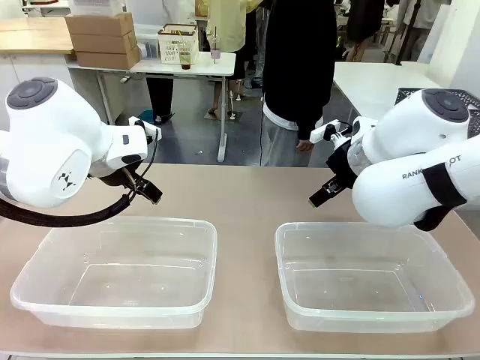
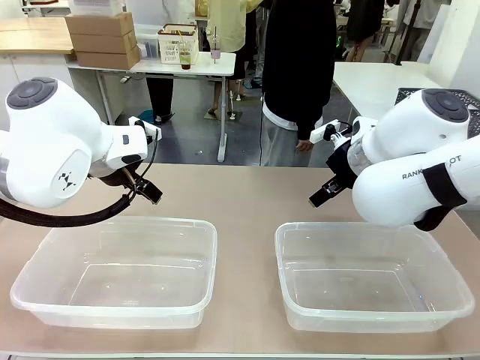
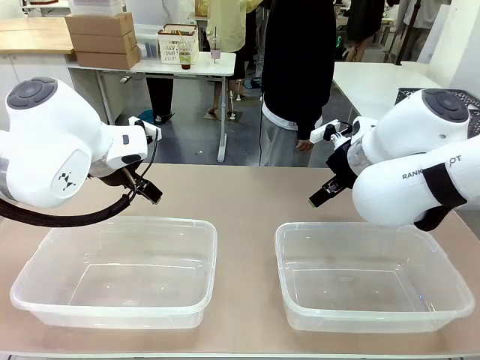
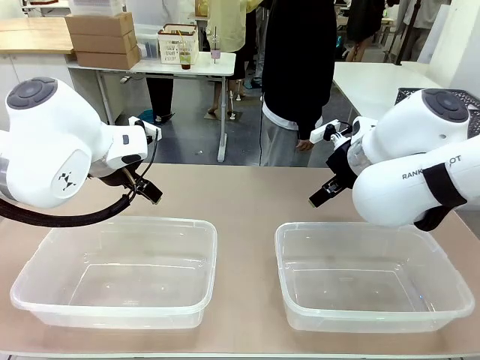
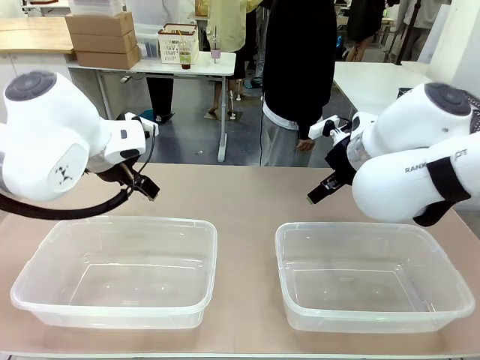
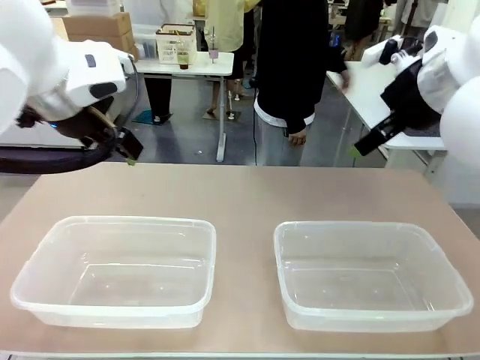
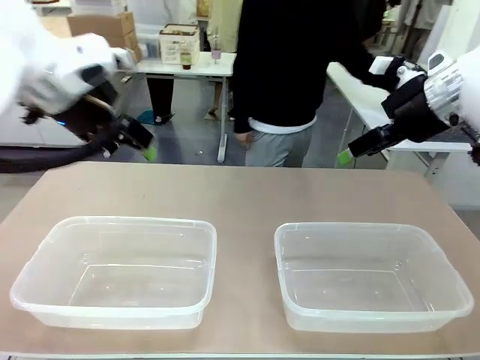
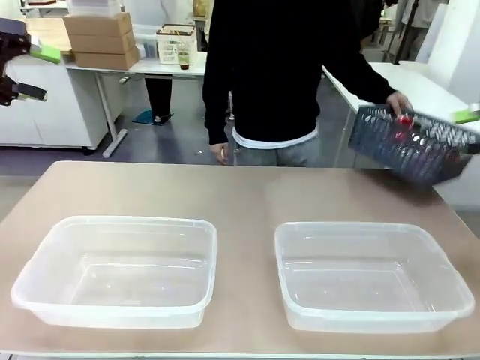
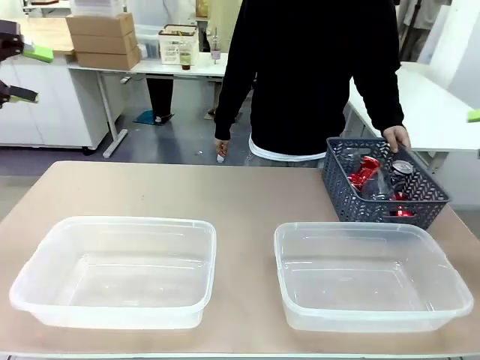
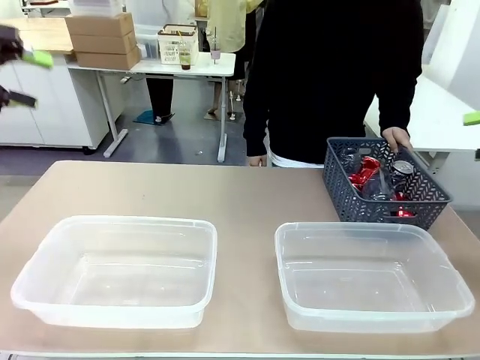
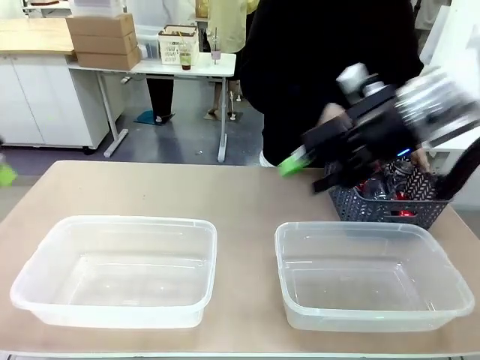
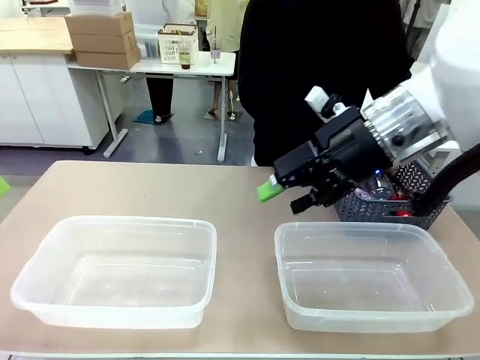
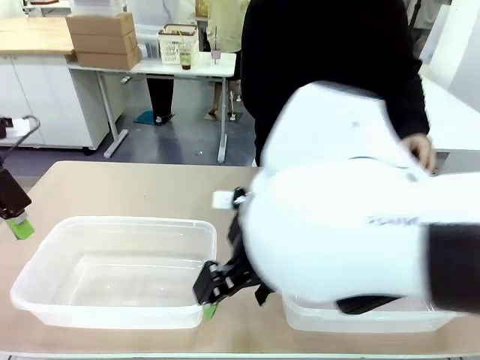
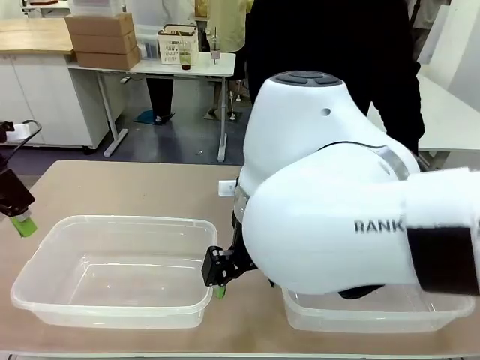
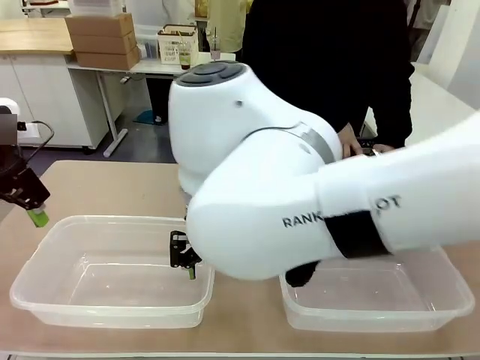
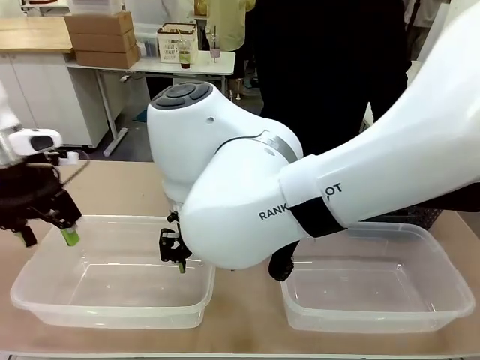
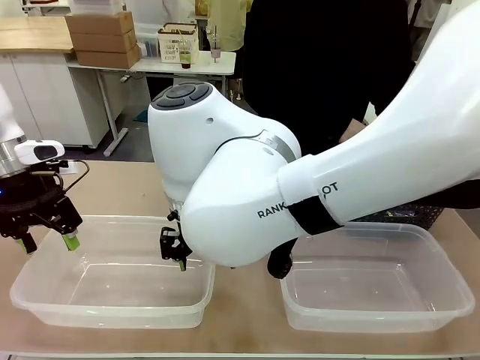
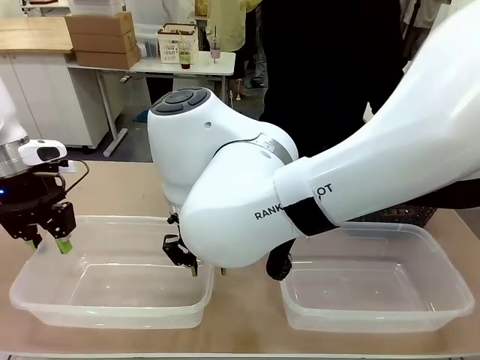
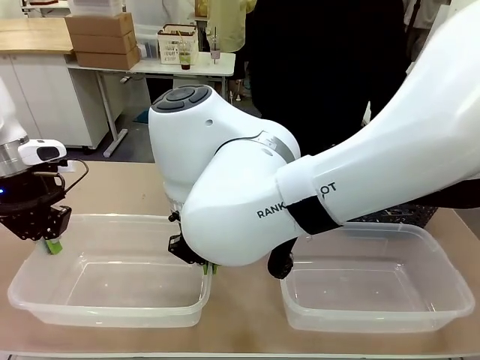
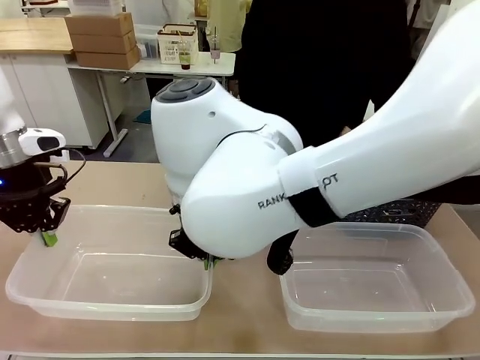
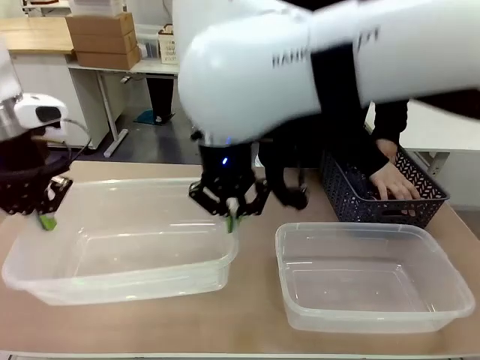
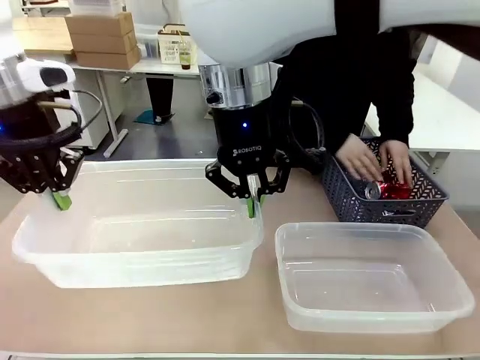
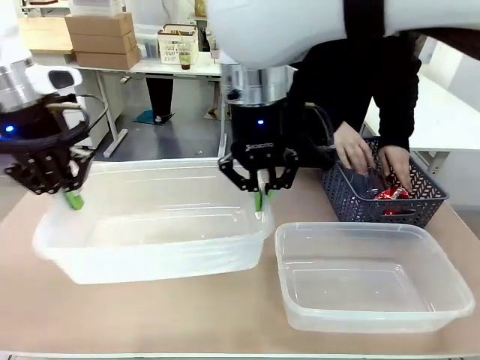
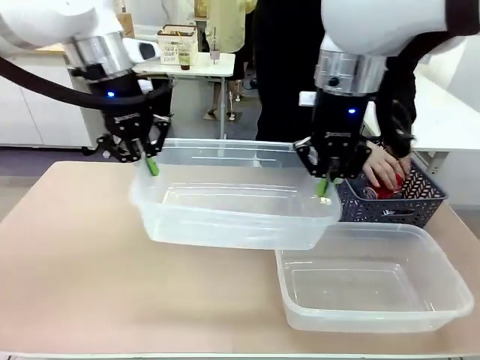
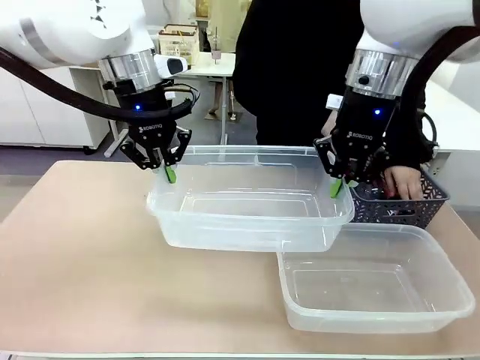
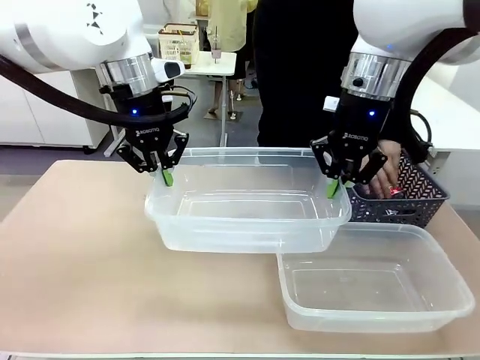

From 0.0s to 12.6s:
Robot: Pick up the Organizing box on the left side of the table and lift it.
Person: Pick up the storage basket and place it on the left side of the robot table. Pick up can-shaped waste one by one and place it into the organizing box lifted by the robot.

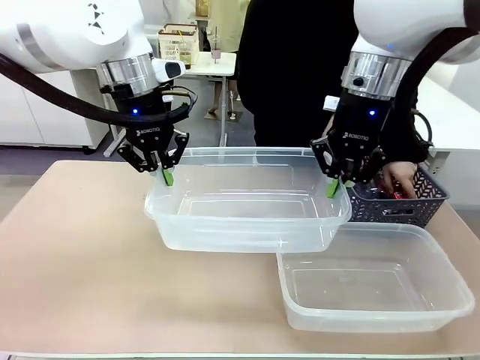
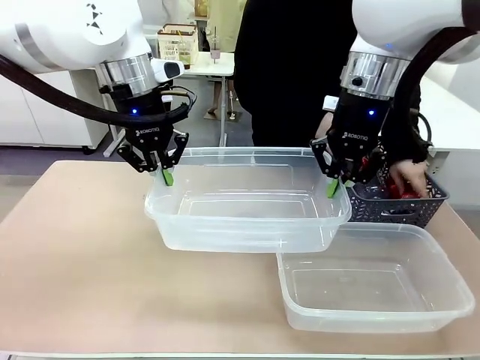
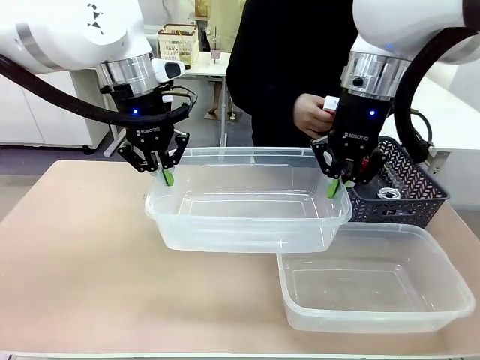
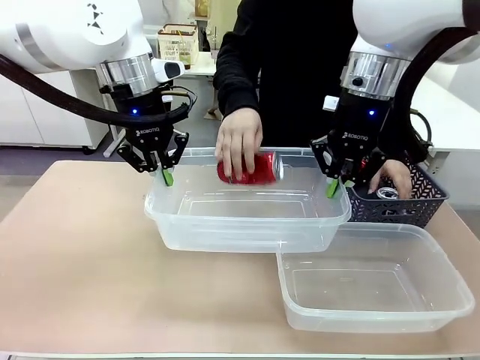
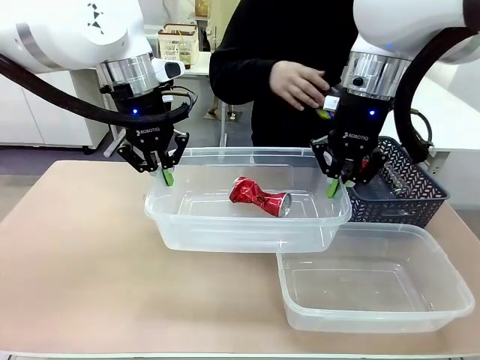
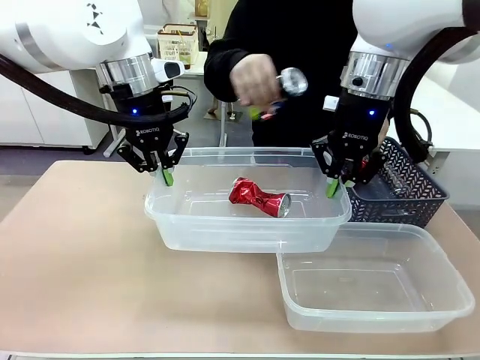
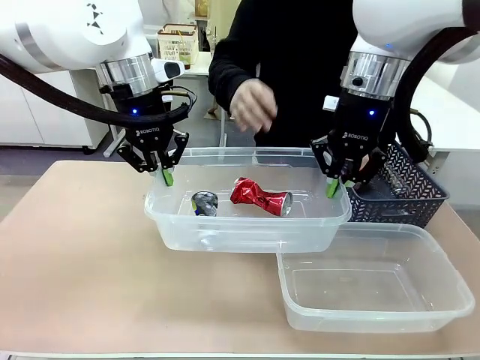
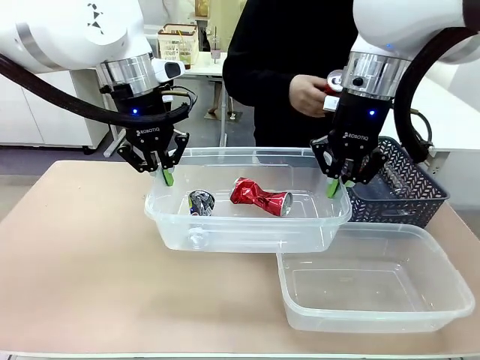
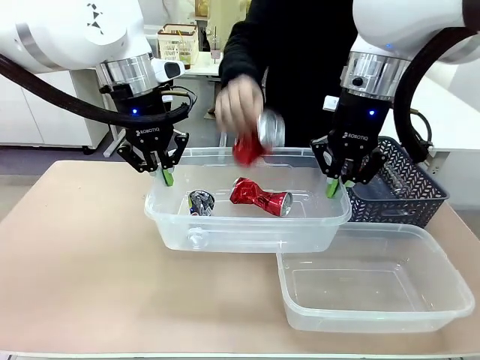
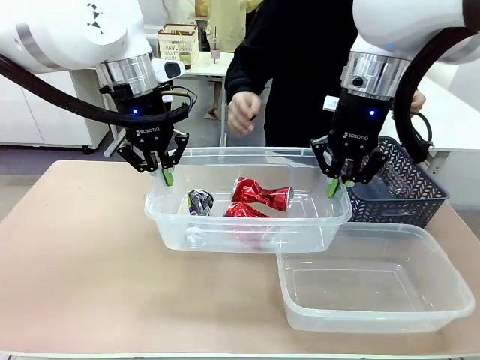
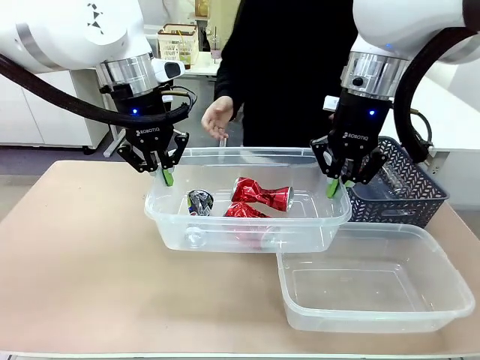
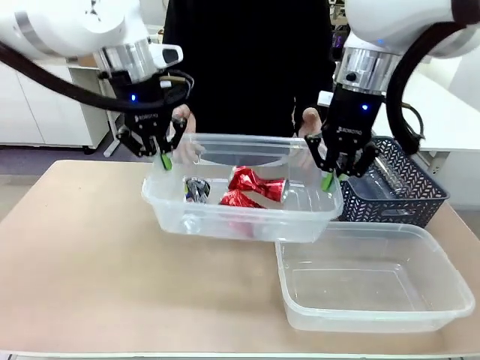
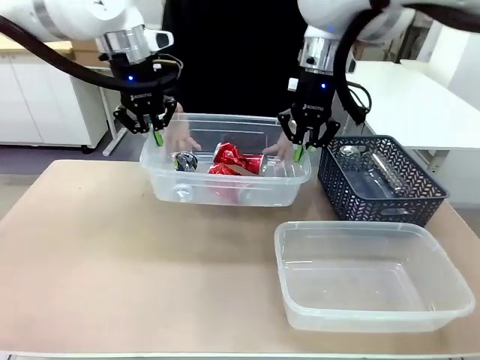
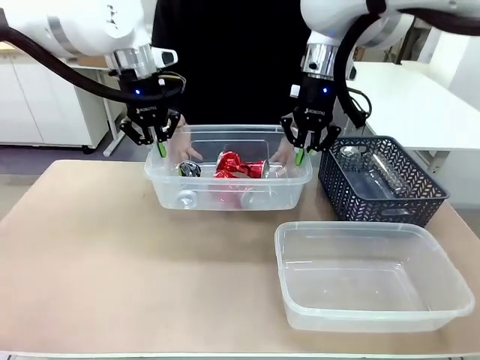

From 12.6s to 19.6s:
Robot: Offer the picked Organizing box to the human.

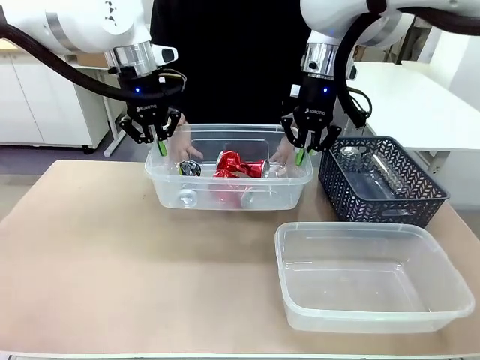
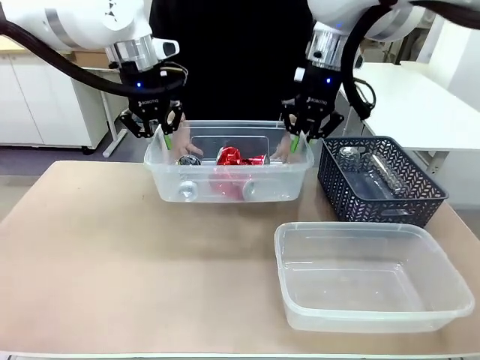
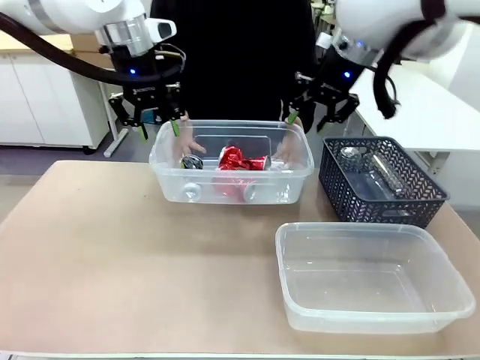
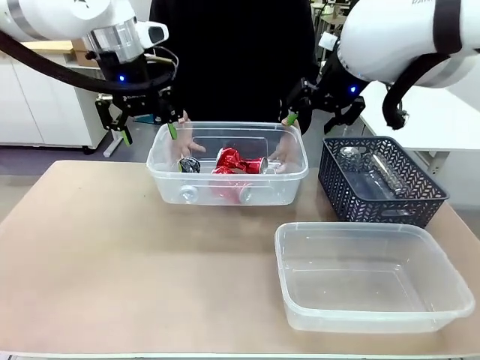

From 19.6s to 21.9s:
Robot: Release the Organizing box you were holding.

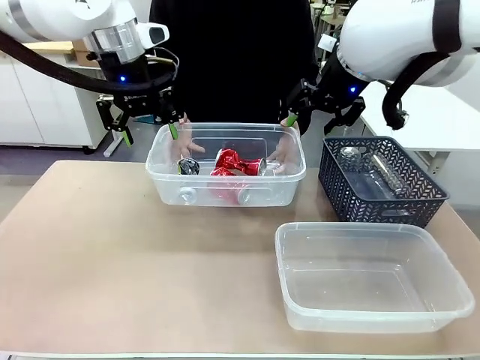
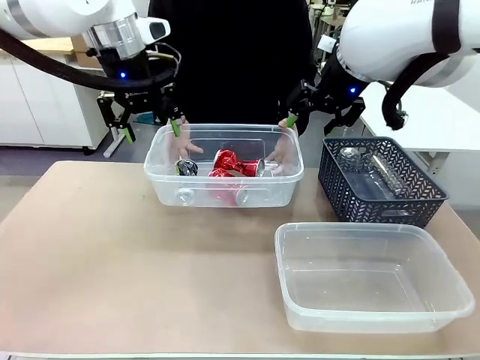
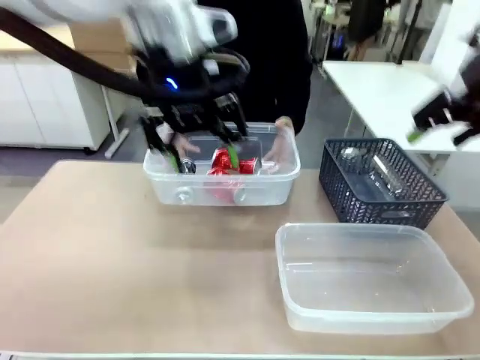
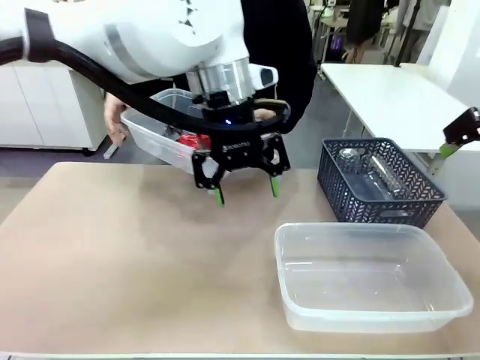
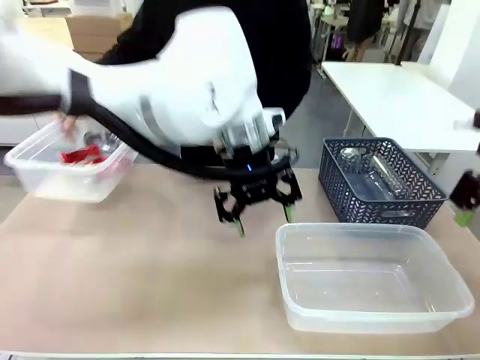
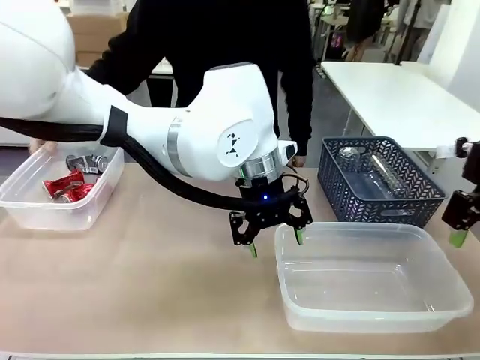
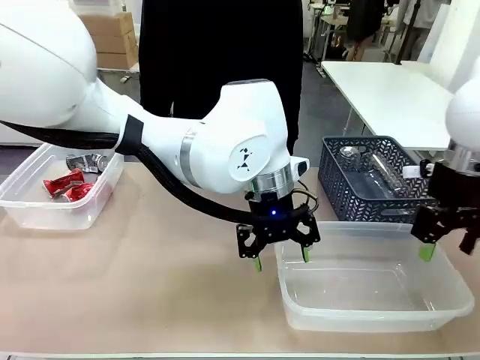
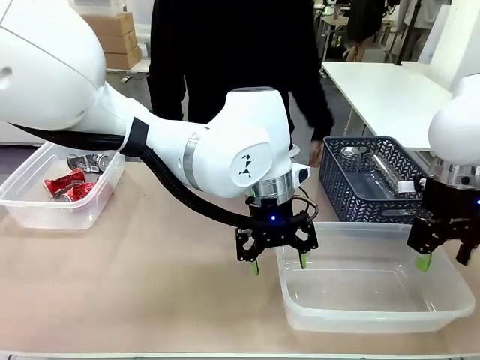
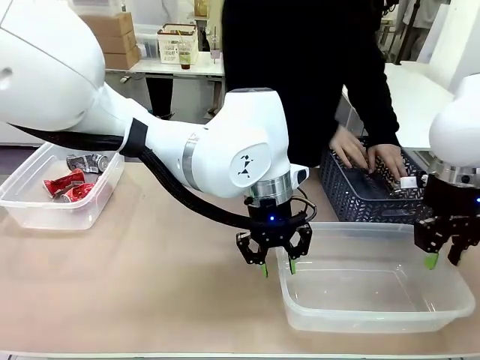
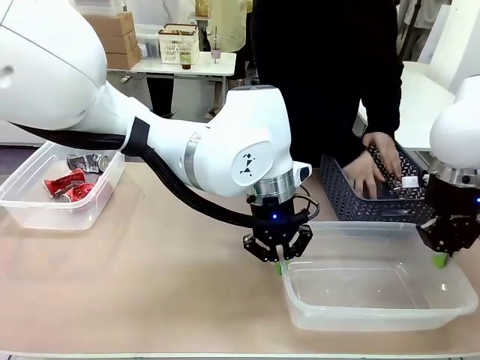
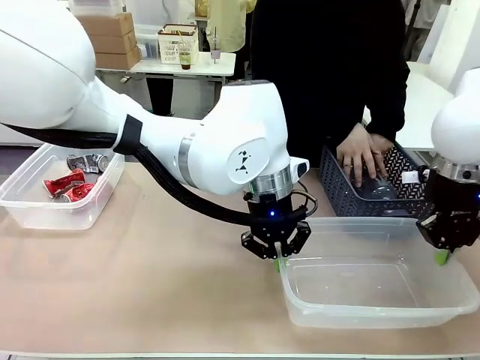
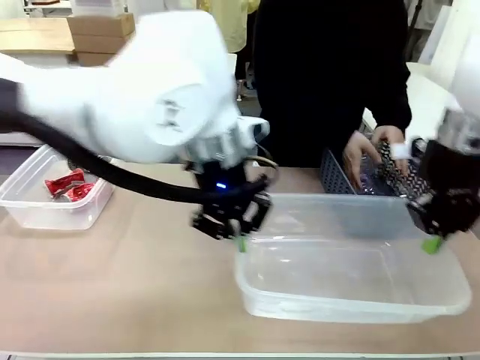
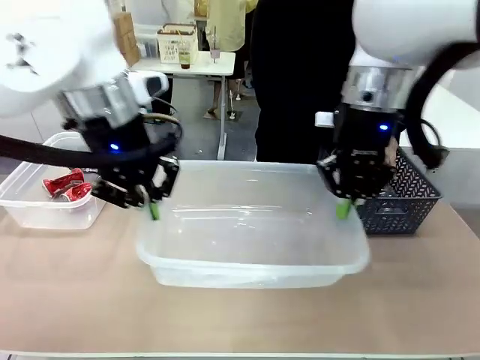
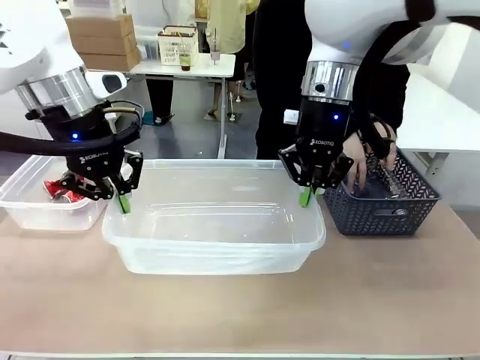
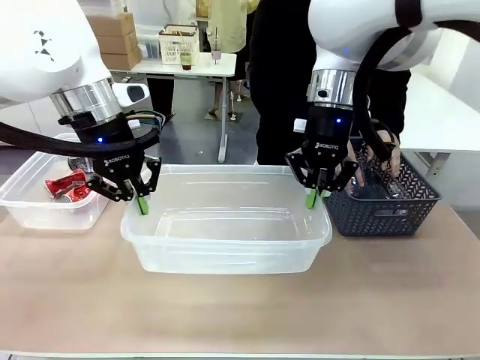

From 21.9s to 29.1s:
Robot: Pick up the Organizing box on the right side of the table and lift it.
Person: Place it at the edge of the bottom right area of the robot table.
